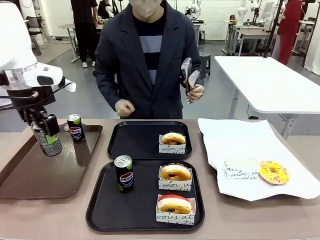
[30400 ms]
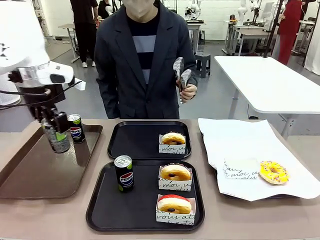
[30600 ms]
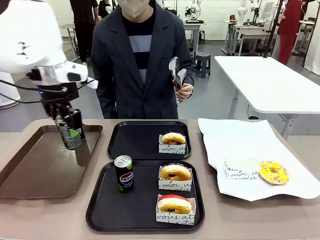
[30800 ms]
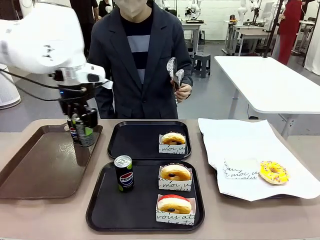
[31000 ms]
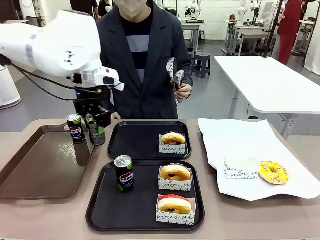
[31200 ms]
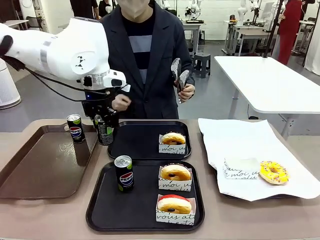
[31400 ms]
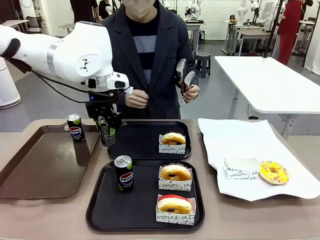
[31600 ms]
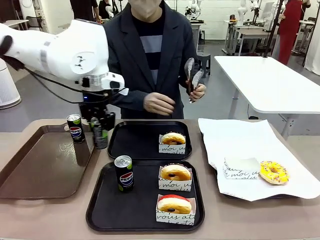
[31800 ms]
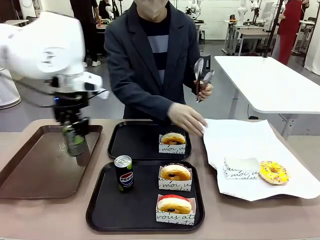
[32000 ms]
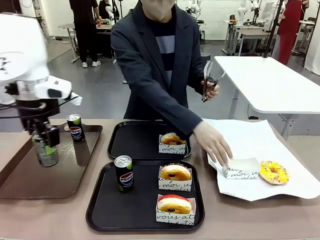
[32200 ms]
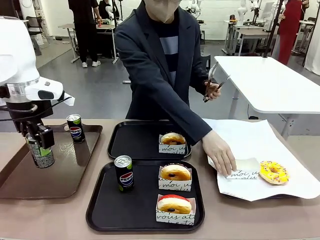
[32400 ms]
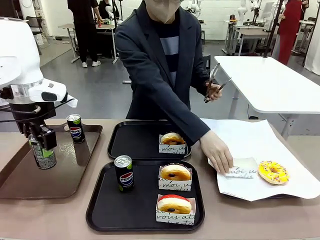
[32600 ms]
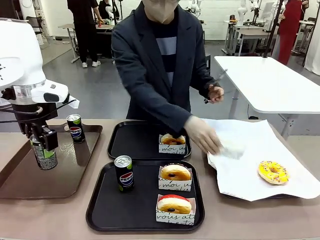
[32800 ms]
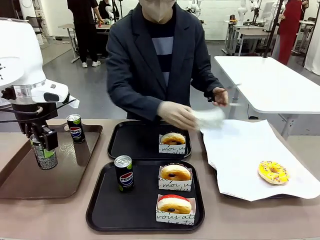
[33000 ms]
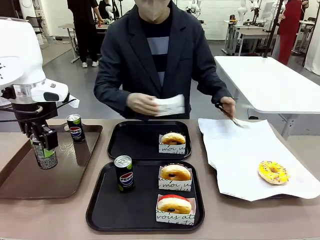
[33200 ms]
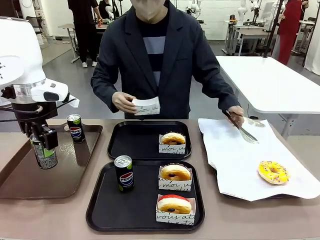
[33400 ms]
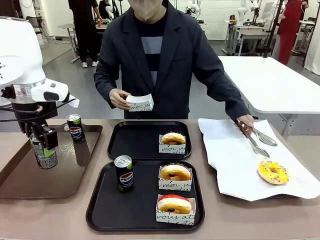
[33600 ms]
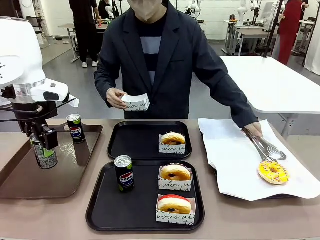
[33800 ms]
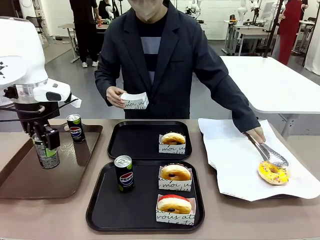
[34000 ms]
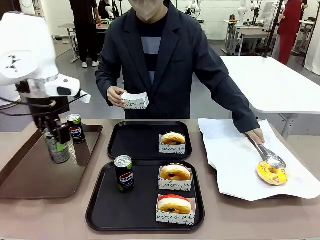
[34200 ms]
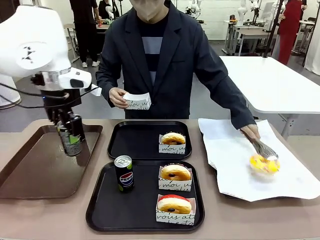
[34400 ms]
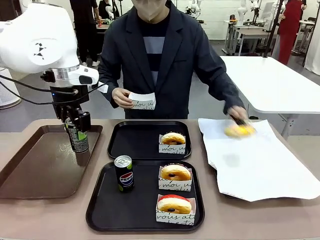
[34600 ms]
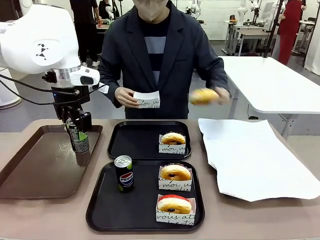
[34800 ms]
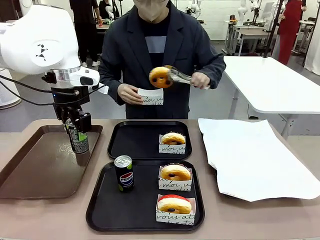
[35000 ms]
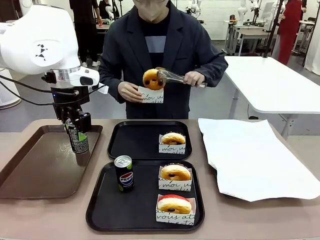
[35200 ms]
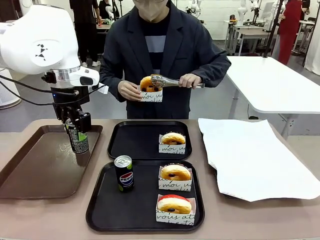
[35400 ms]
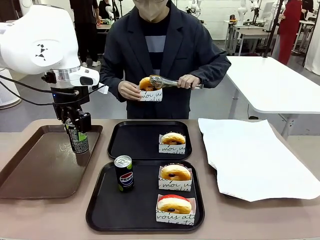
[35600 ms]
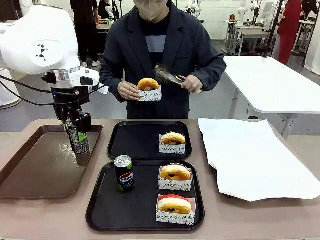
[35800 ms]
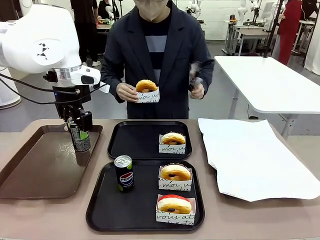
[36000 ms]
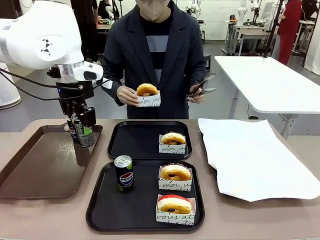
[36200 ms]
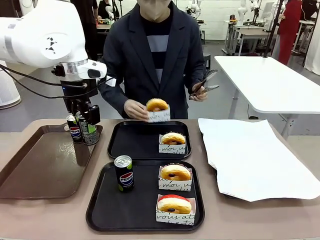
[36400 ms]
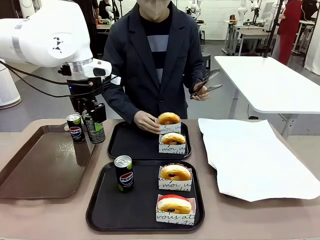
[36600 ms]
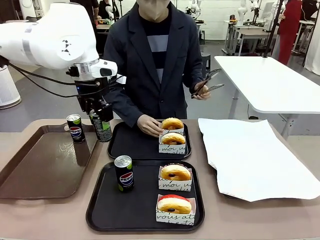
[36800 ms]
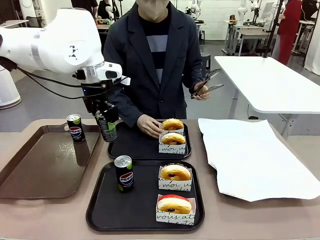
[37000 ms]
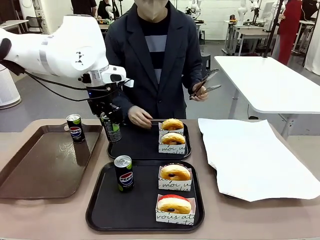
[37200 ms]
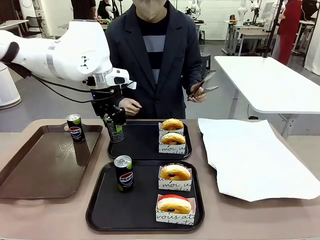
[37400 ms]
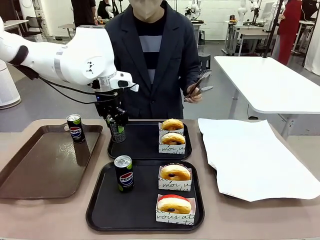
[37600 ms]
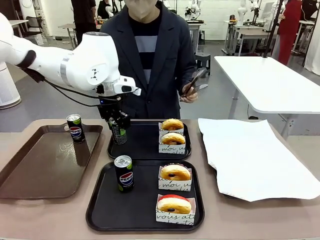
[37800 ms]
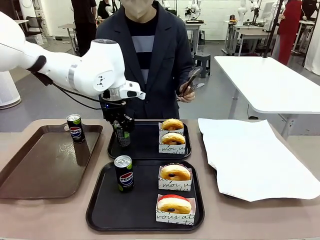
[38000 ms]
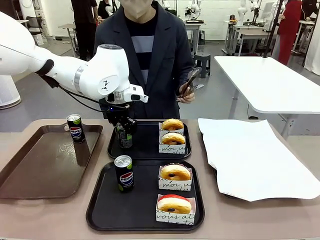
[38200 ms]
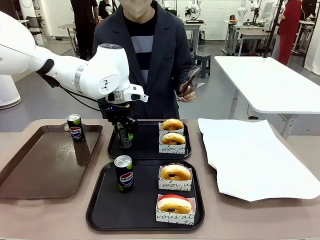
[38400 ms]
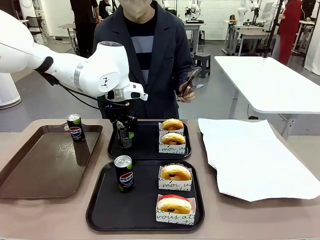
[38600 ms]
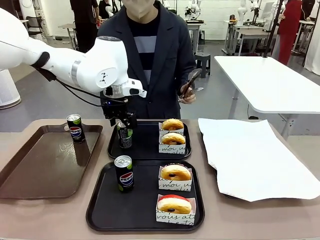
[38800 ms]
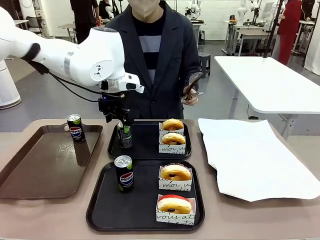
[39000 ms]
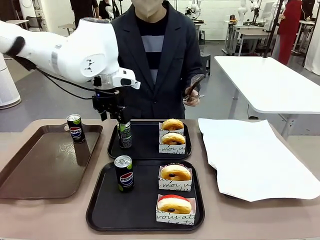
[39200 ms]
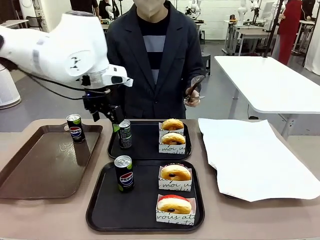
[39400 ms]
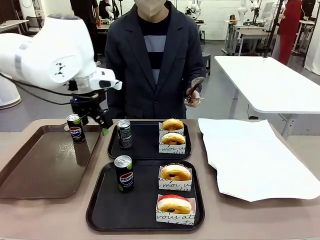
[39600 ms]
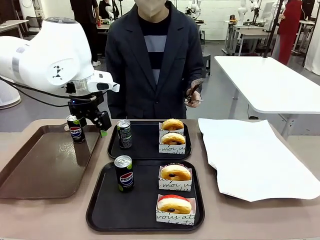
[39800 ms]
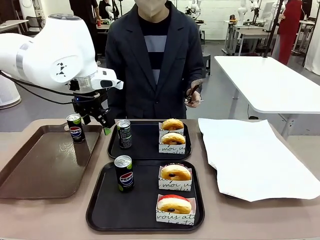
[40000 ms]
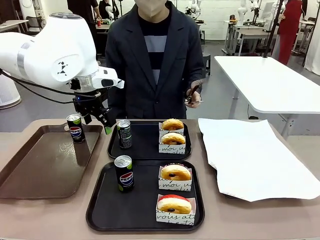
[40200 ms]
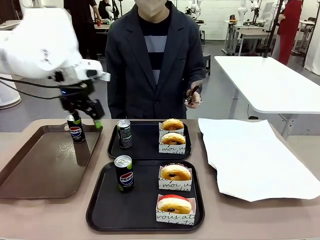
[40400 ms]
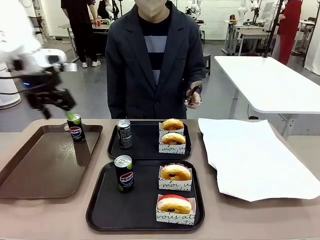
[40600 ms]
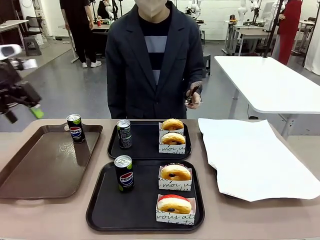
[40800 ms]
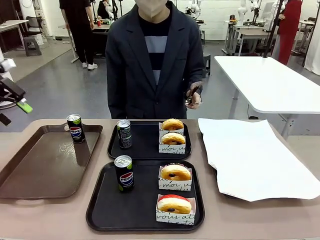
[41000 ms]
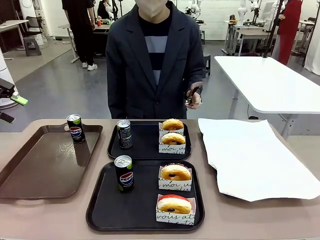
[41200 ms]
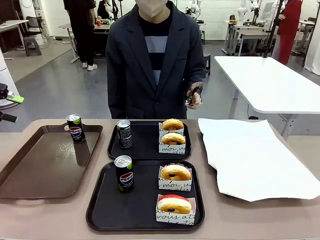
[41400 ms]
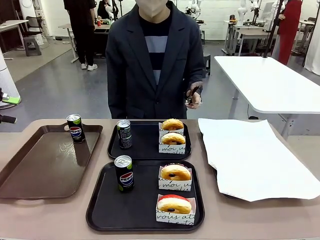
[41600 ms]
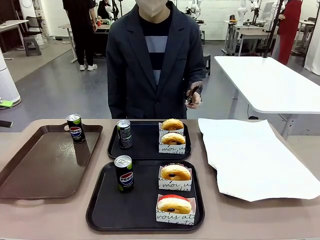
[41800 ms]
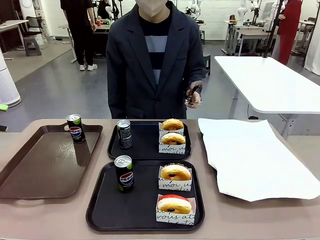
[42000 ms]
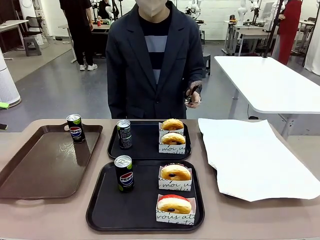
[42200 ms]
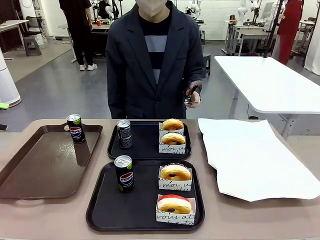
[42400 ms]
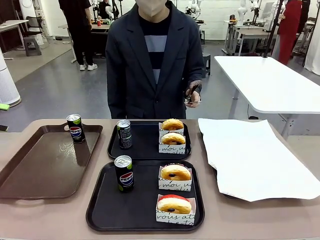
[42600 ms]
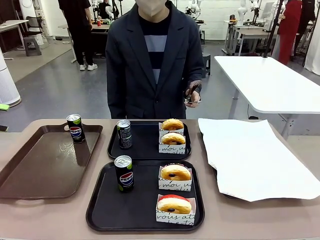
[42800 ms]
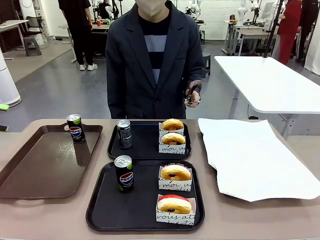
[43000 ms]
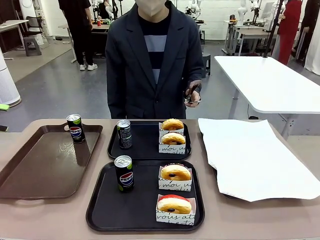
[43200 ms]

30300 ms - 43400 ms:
Task: Set up donuts and drinks on trays.
Robot: Pick up one Pepsi coke from the Handle tray and place it on the Flat Tray without a Pepsi coke.

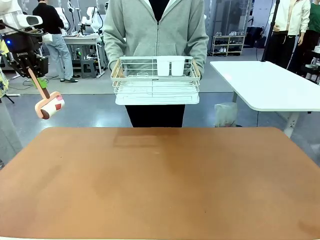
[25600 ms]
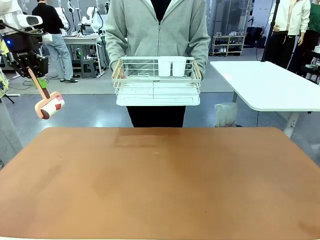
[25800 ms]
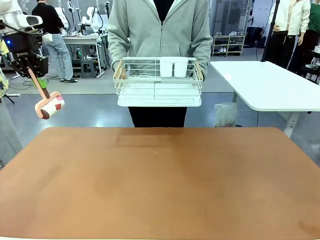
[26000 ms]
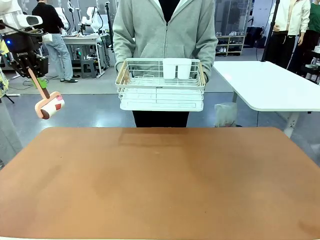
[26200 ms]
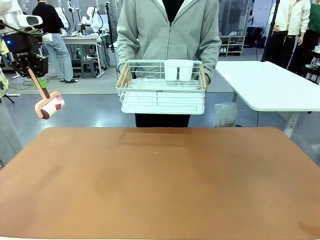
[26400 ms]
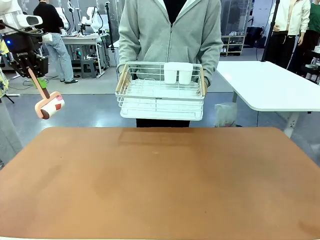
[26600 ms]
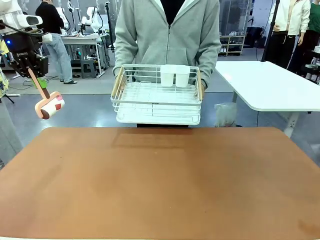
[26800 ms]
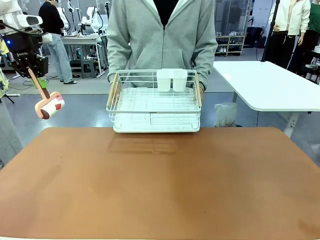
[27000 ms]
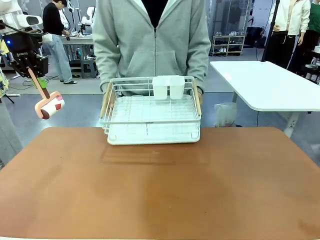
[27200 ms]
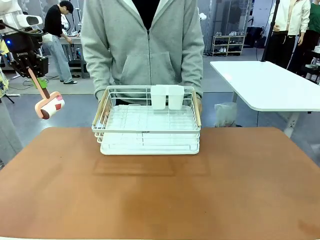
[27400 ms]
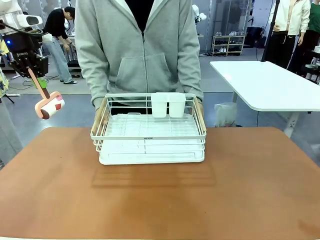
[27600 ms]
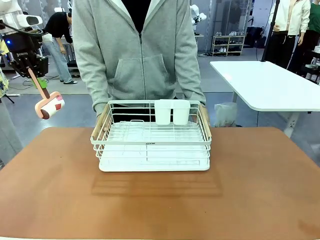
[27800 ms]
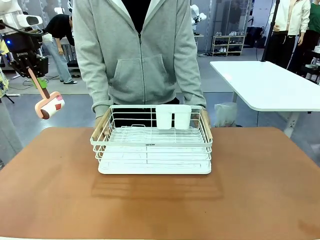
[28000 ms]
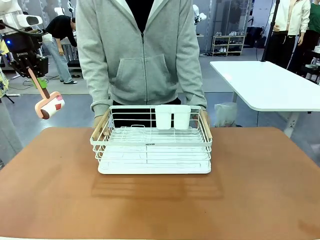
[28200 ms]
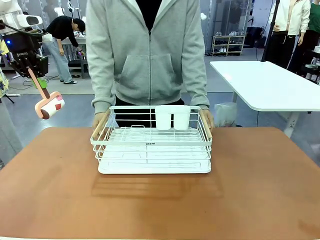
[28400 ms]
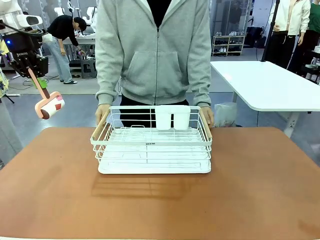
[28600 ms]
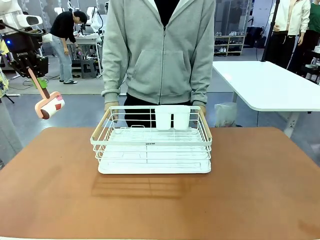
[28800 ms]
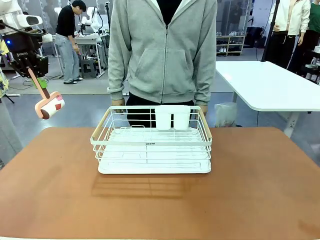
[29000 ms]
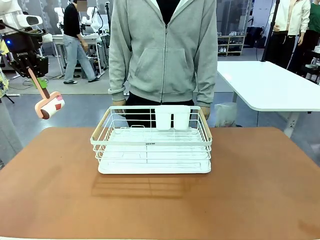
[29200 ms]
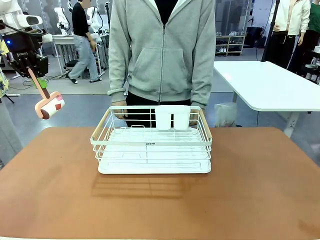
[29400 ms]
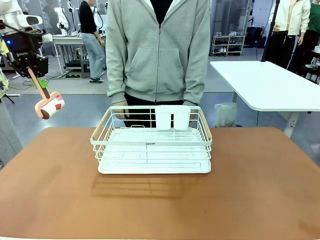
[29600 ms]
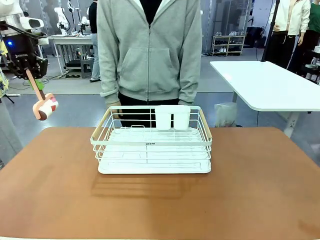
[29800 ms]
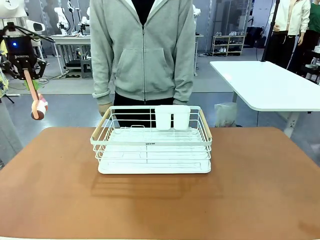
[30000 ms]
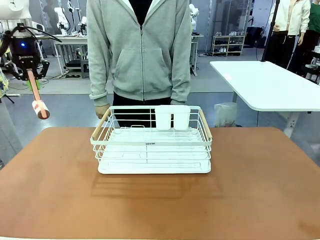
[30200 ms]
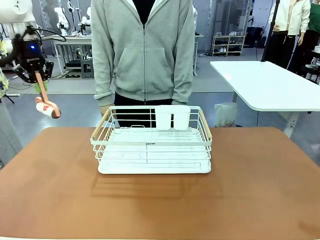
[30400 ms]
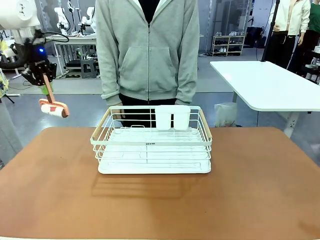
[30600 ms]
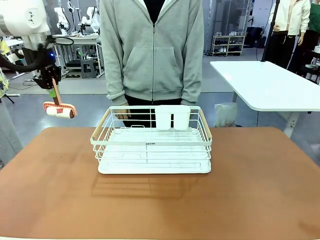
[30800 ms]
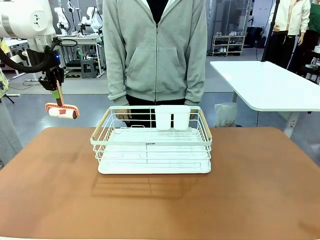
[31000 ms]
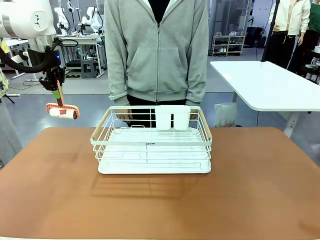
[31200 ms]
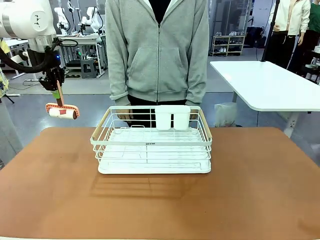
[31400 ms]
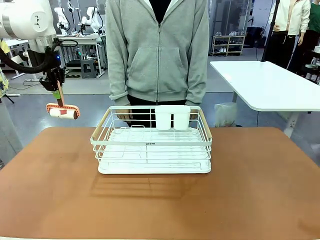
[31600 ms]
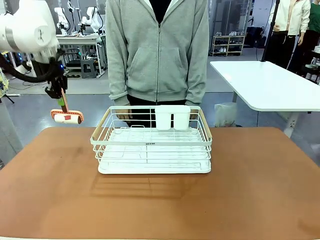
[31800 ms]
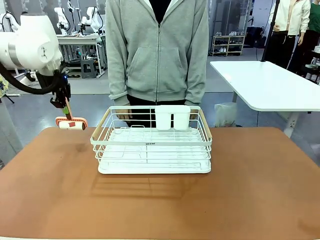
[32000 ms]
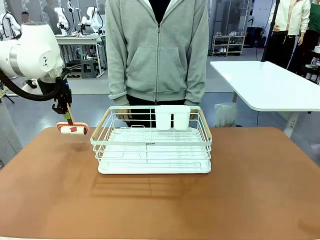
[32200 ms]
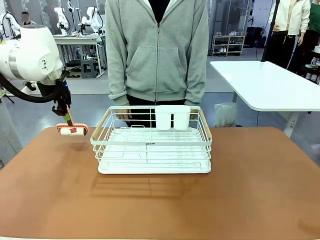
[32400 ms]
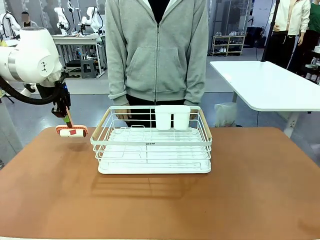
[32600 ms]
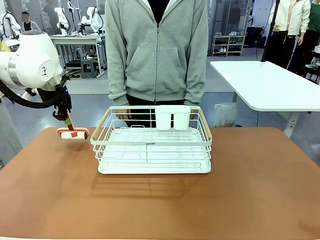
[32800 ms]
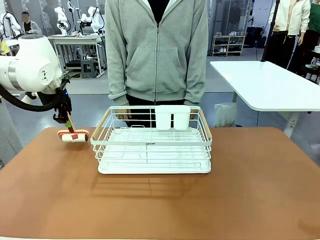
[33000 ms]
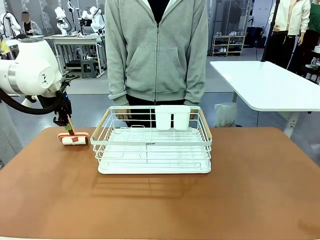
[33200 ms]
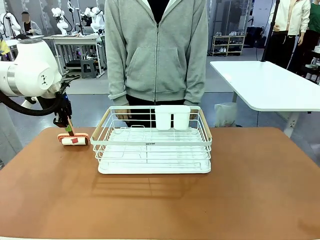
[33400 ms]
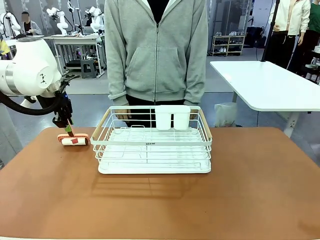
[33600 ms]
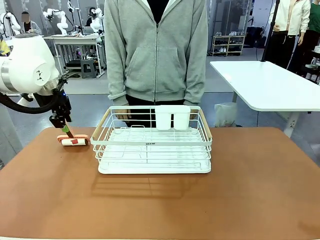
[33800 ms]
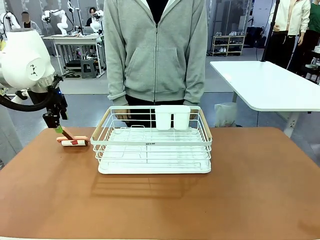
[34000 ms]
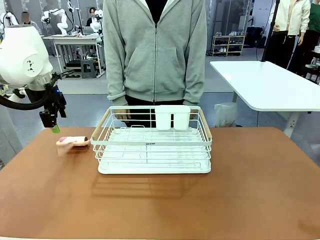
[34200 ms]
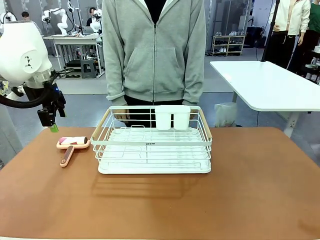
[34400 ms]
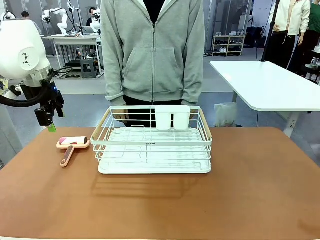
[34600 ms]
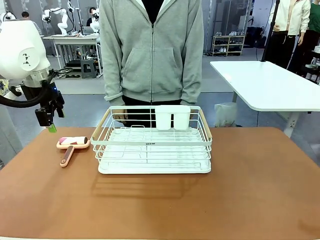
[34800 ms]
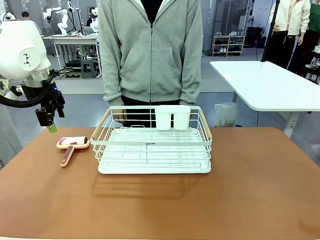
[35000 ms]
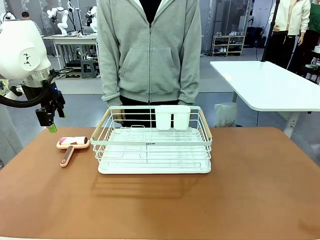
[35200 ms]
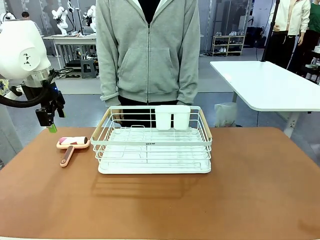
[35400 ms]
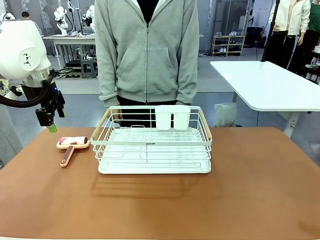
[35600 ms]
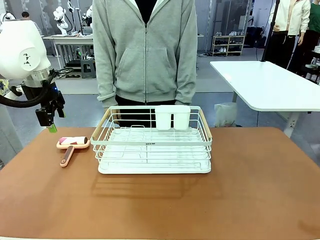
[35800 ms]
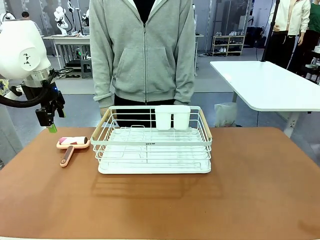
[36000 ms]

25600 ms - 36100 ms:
Task: Clean the table.
Robot: Place the Lint Roller down when the Dish drying rack is positioned in the middle of the table.
Person: Place the Dish drying rack down when the robot finishes cleaning.
